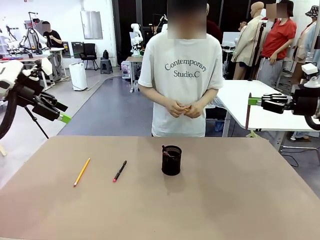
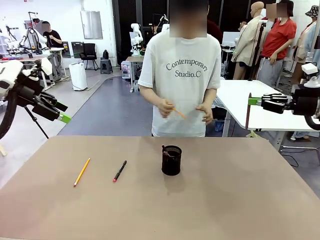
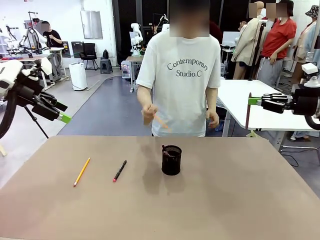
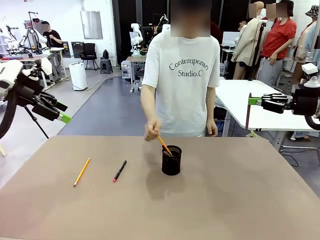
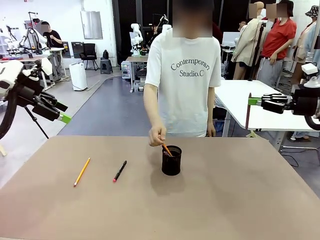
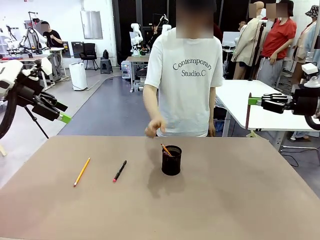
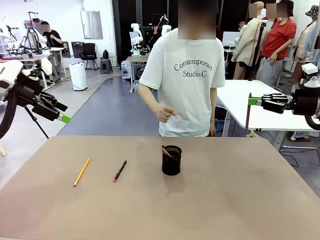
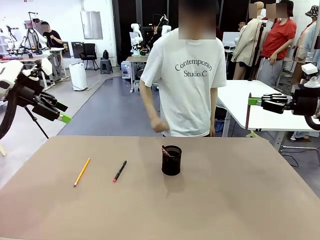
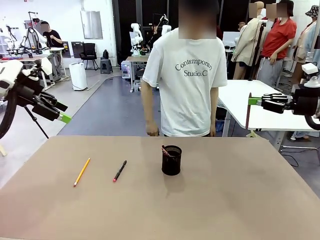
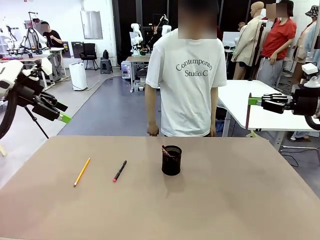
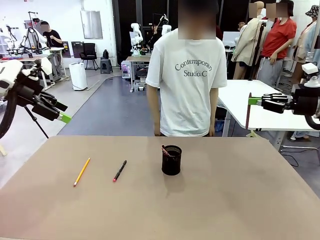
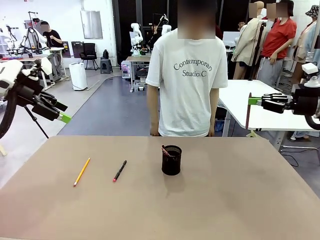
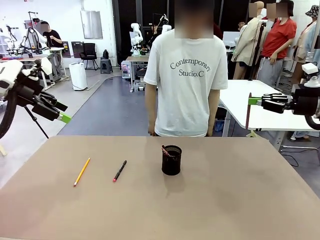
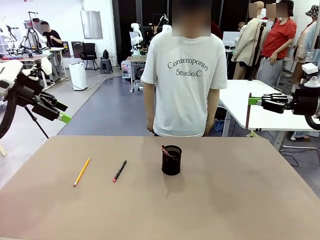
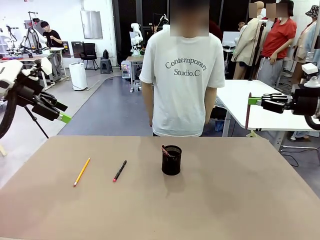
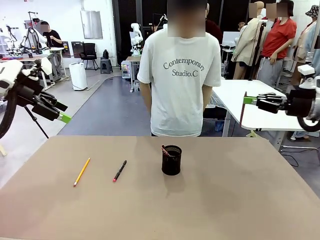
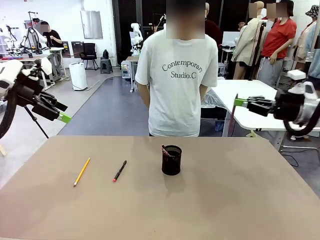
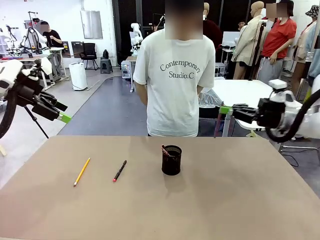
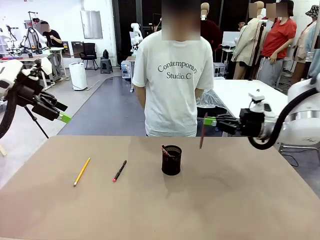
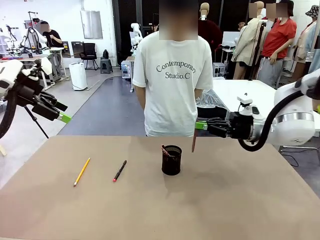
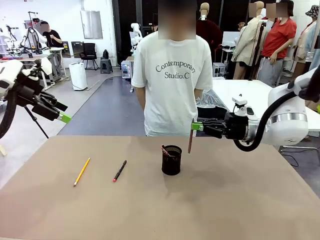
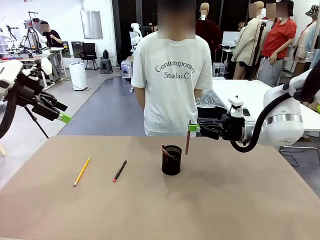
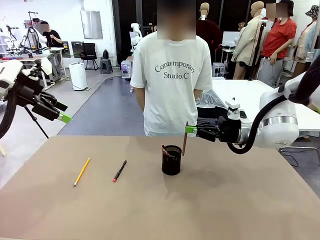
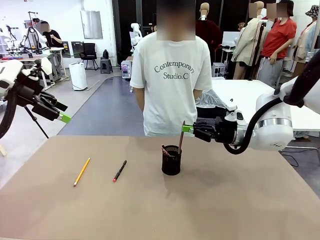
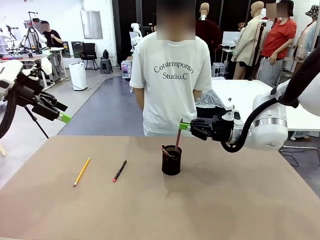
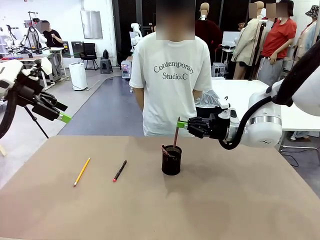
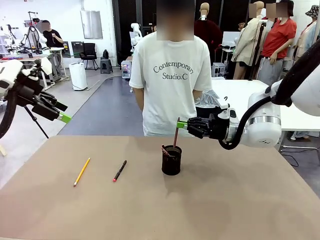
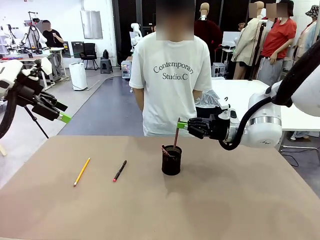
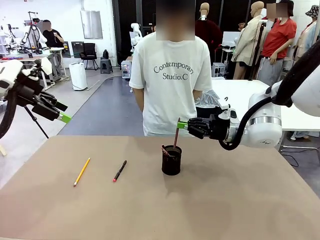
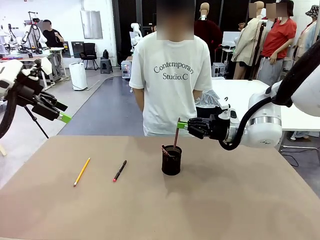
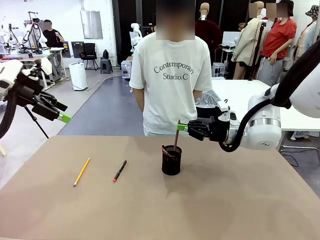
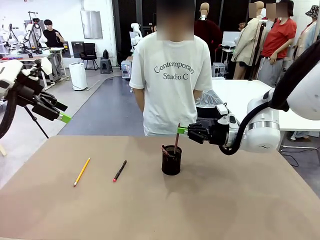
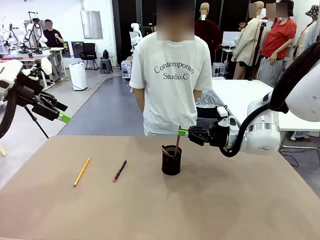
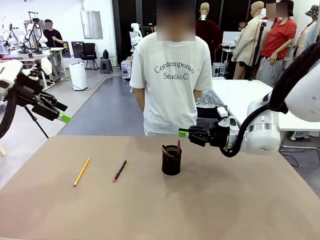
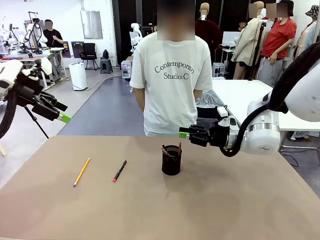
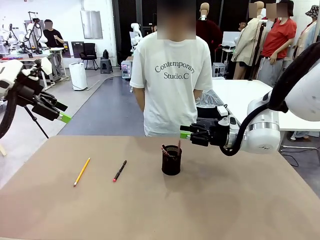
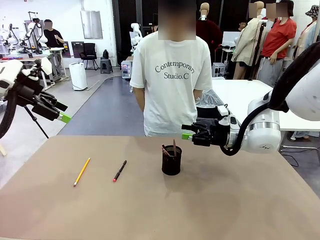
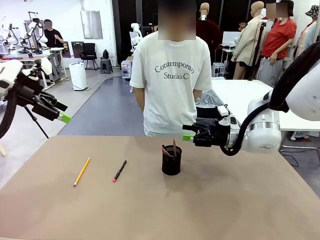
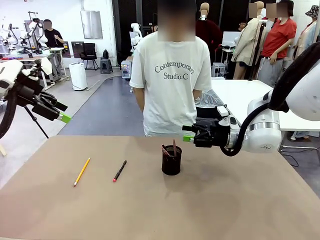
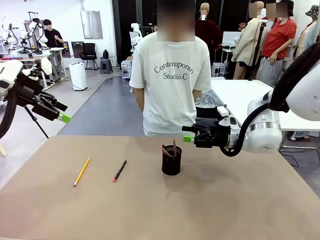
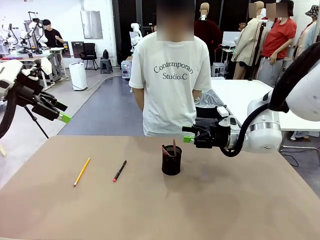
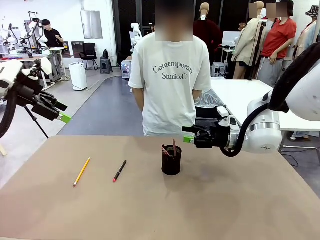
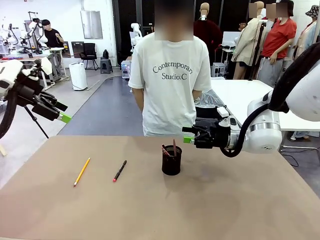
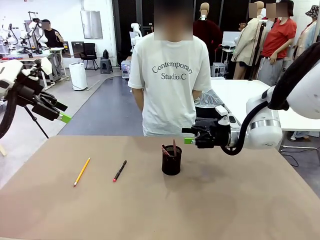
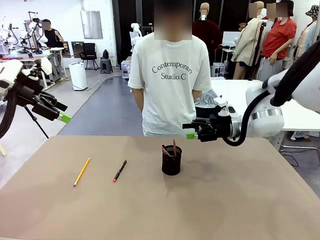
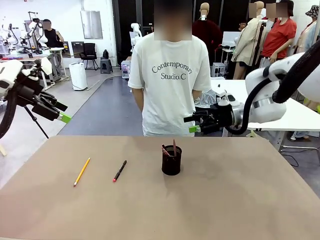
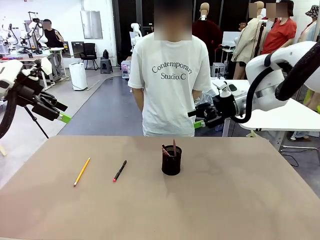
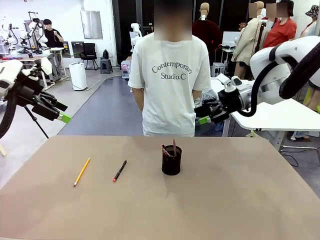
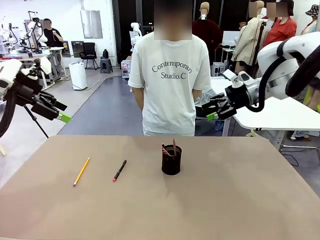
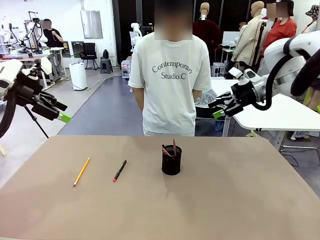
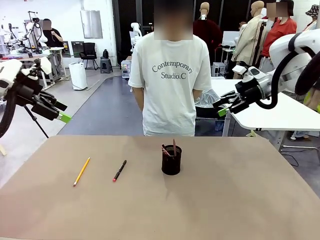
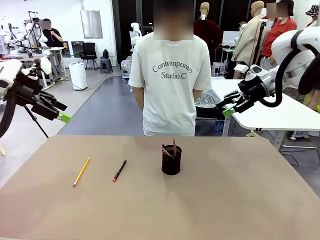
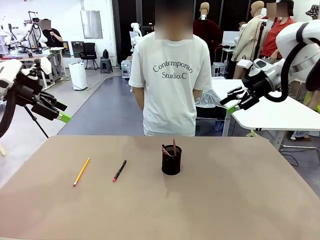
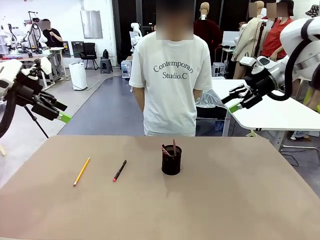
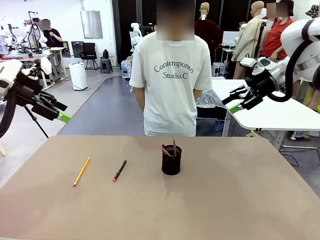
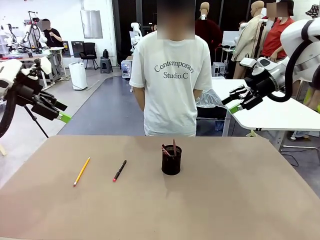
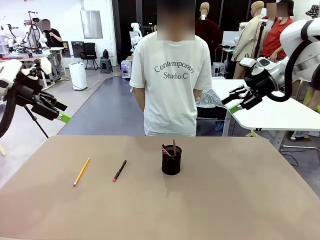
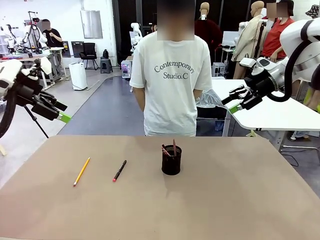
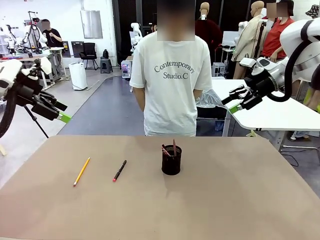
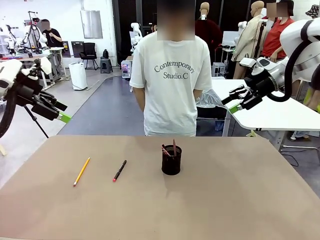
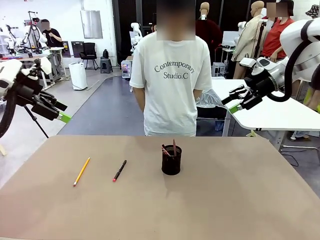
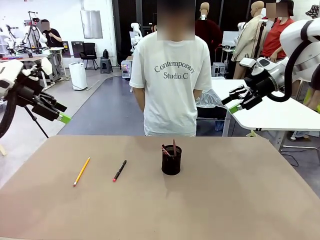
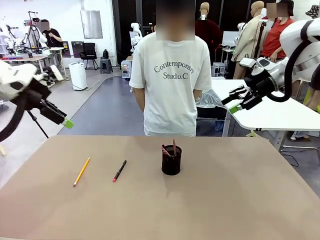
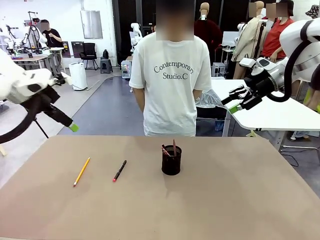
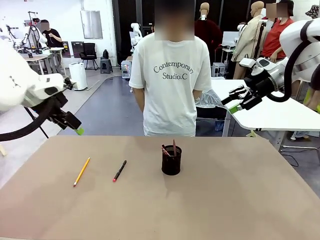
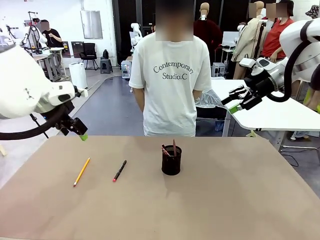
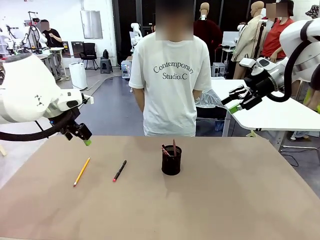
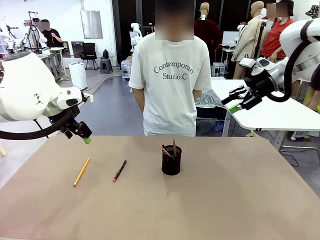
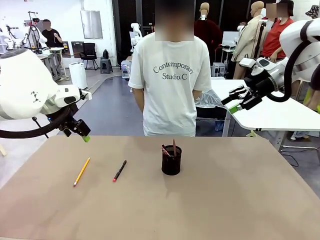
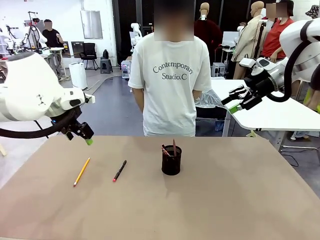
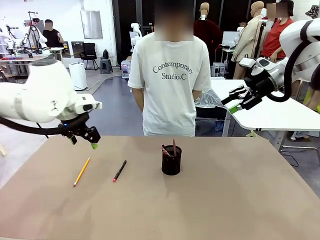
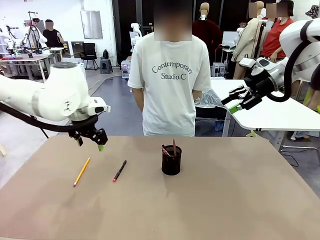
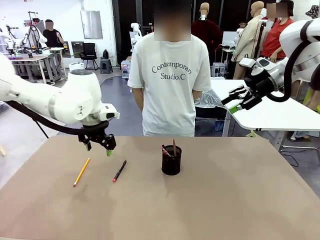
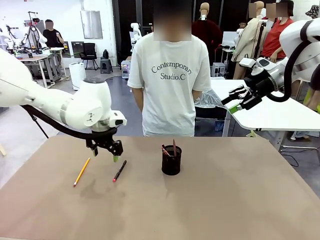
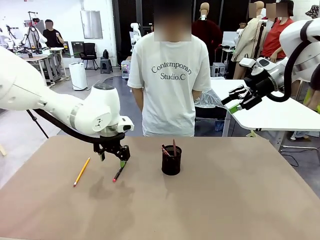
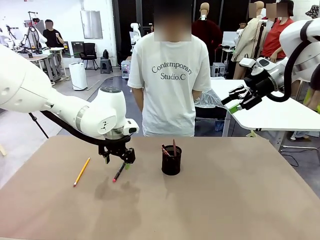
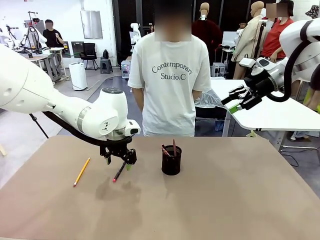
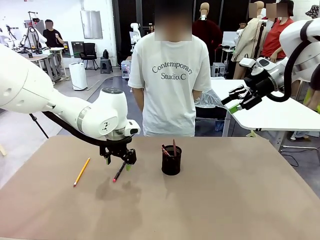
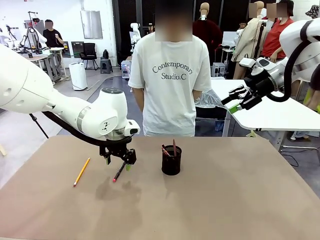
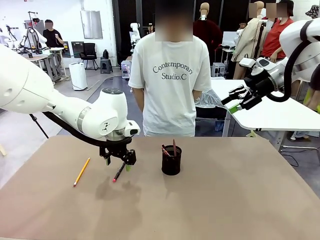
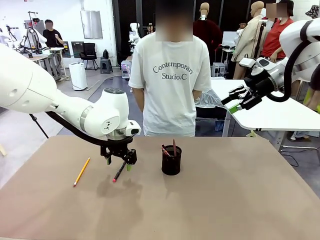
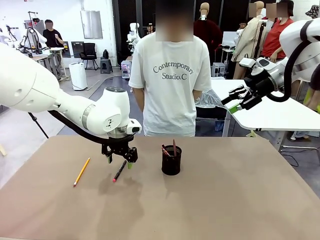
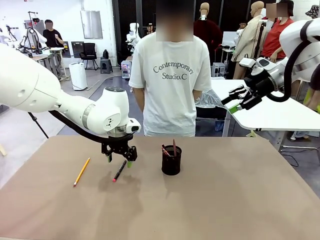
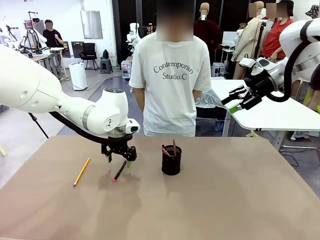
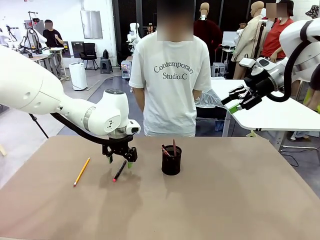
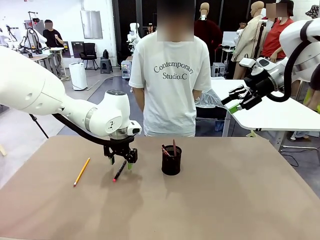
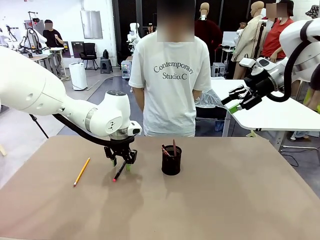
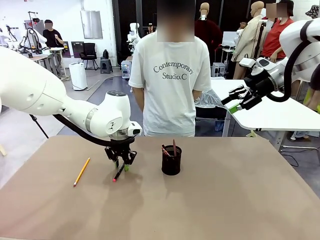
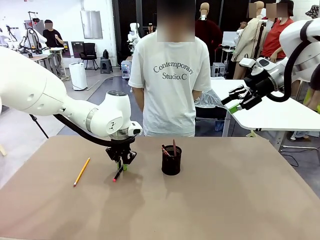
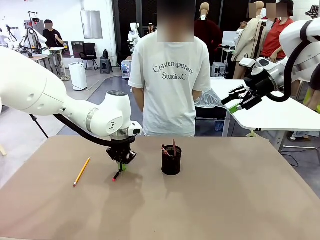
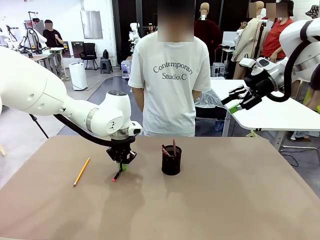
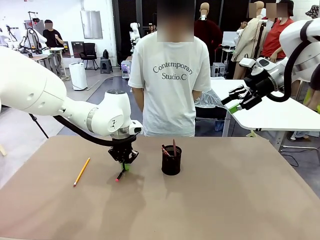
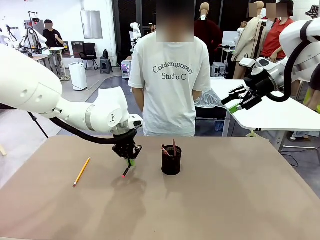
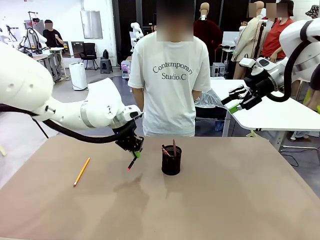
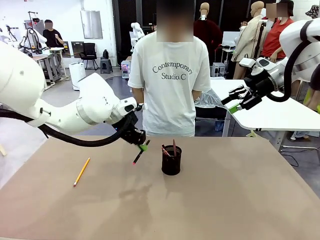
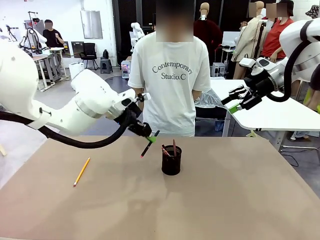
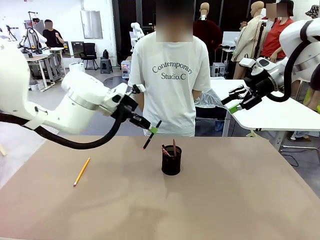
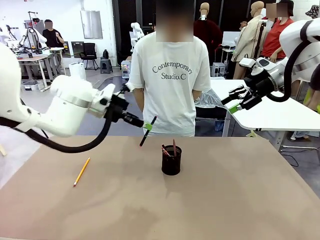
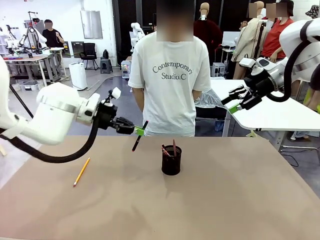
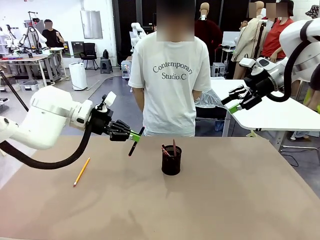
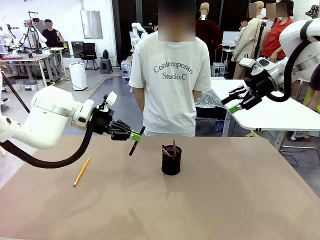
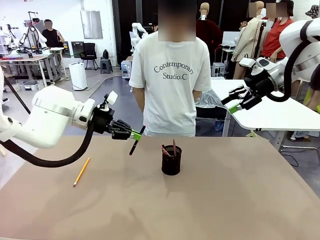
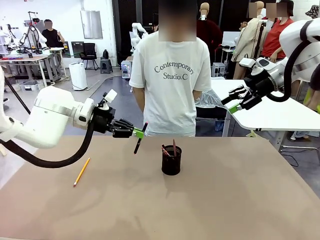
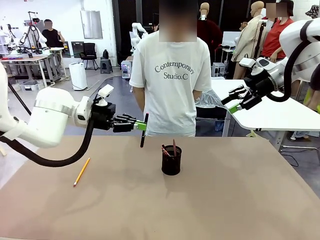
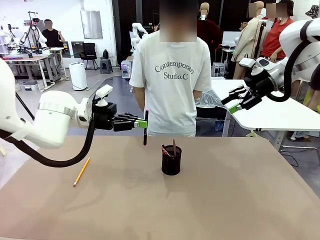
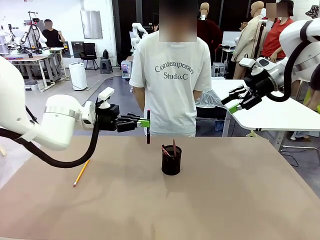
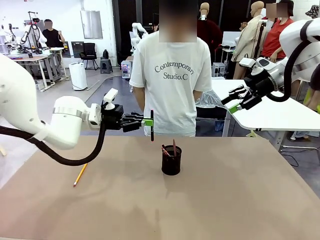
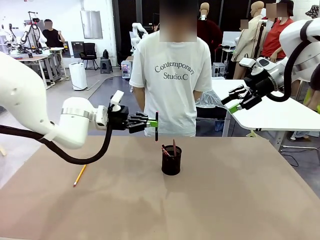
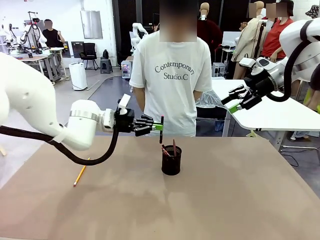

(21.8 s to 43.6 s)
Task: Place the pens into the pen holder.
Robot: Pick up a writing instrument from the table and place it into the Pen holder.
